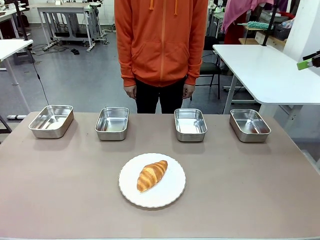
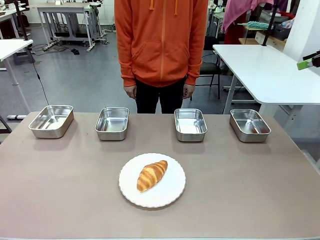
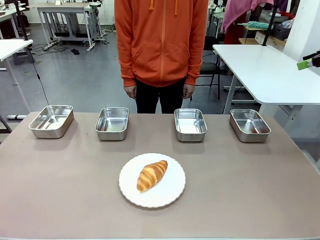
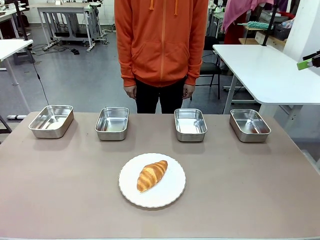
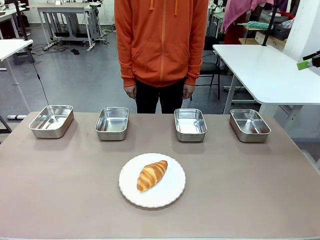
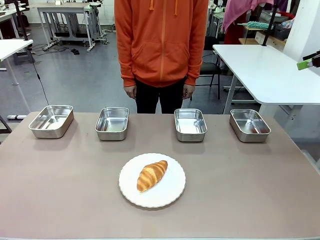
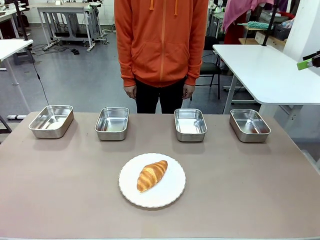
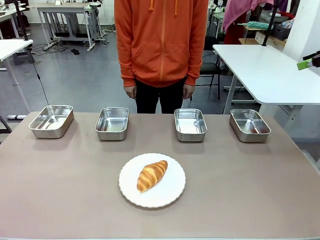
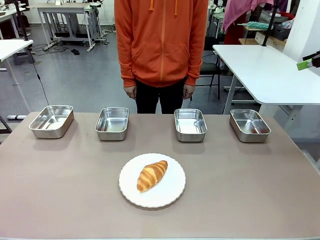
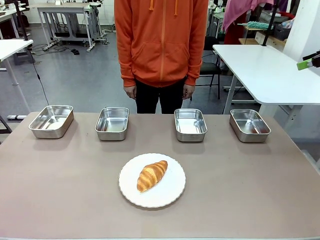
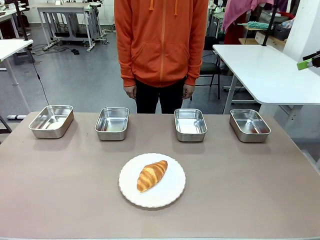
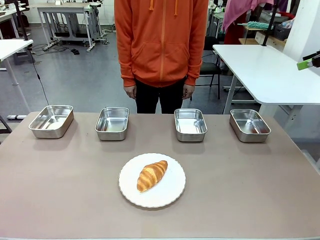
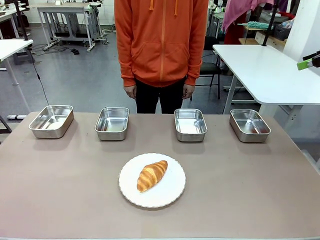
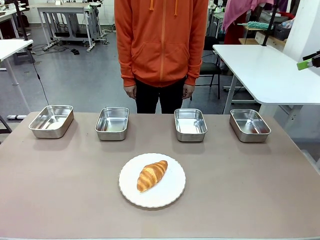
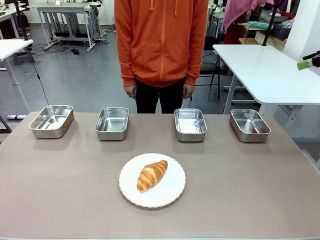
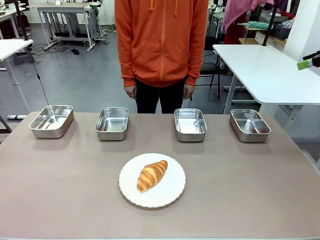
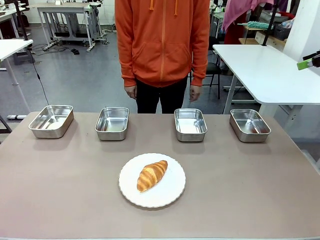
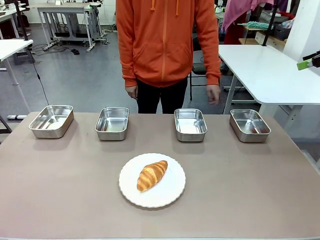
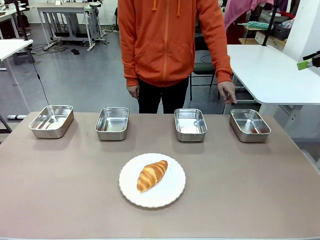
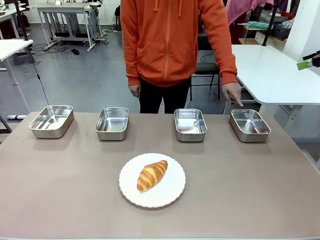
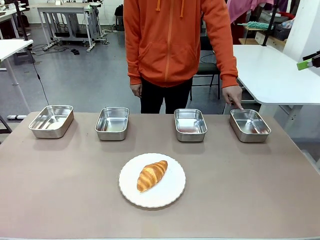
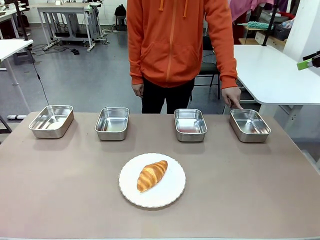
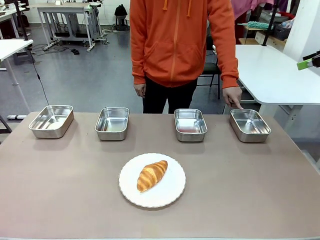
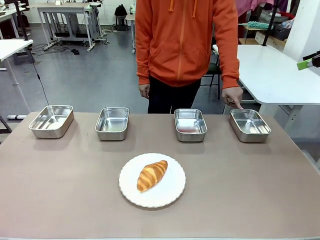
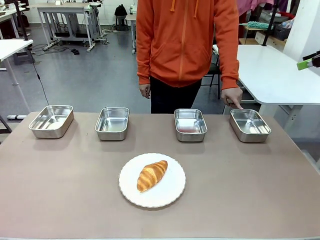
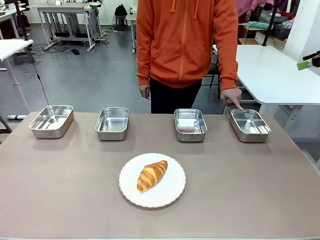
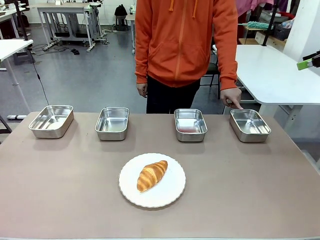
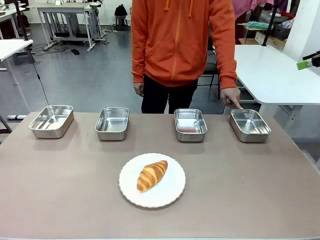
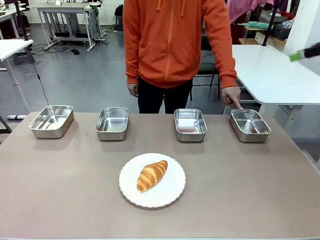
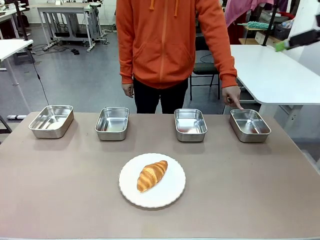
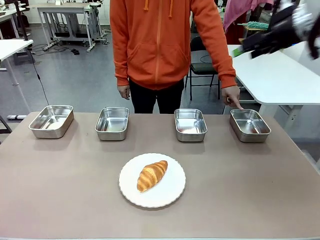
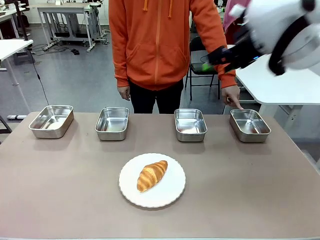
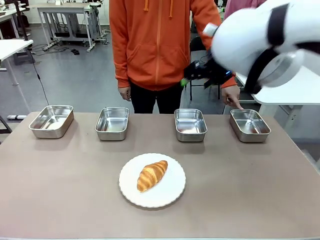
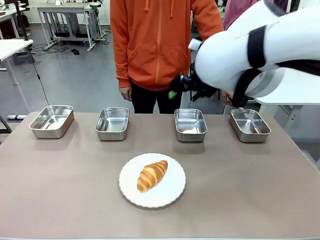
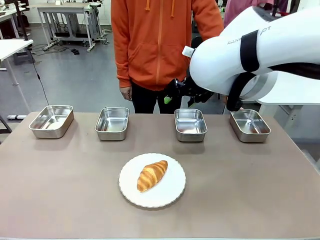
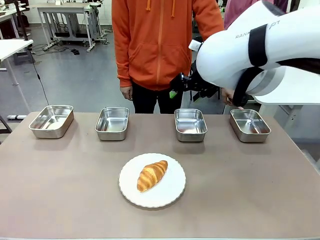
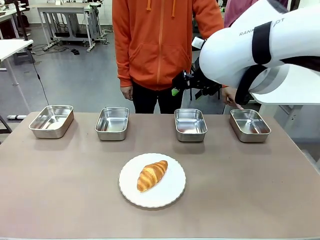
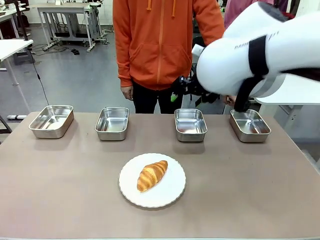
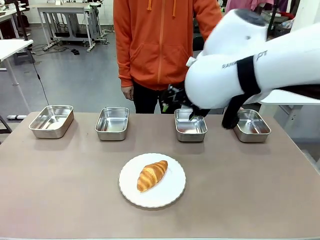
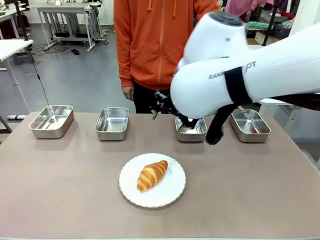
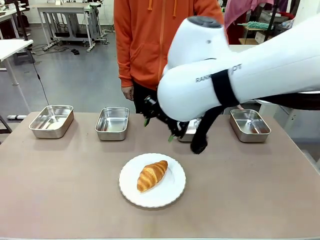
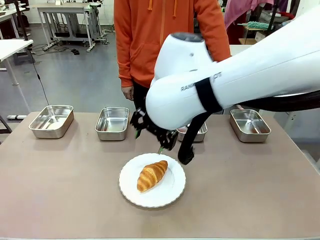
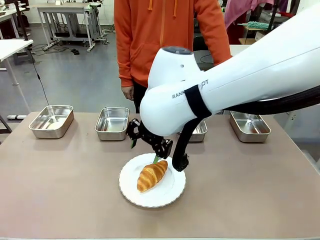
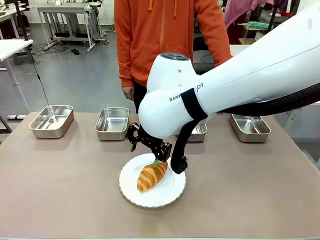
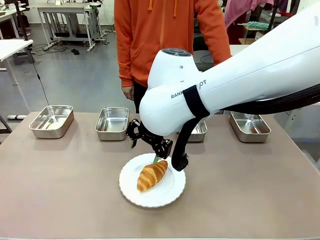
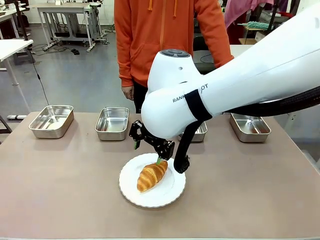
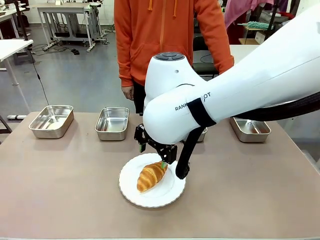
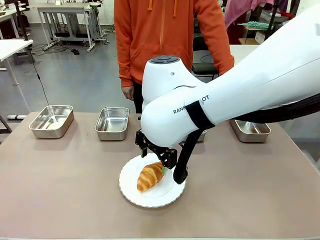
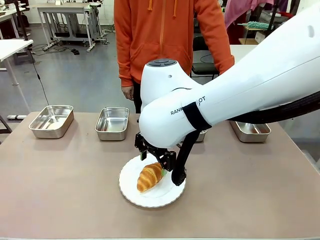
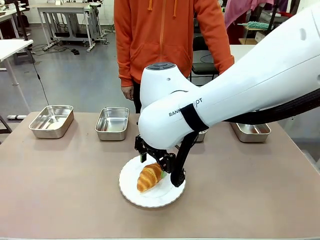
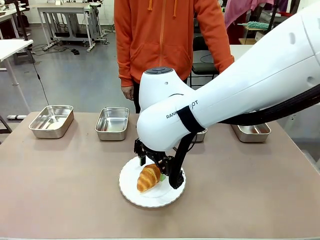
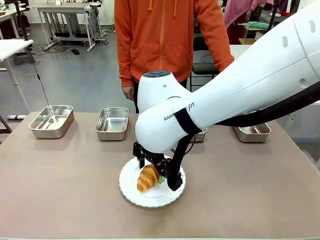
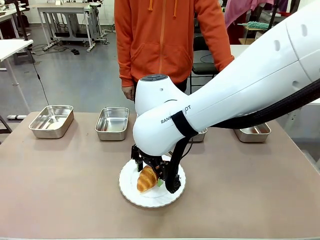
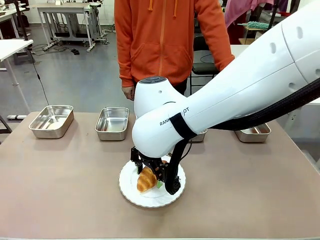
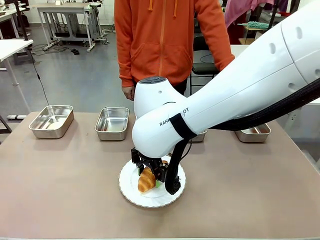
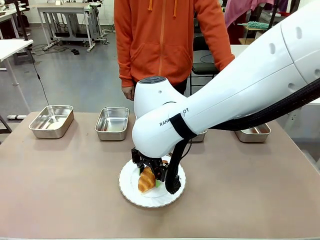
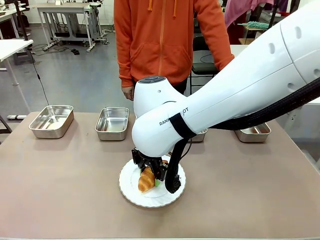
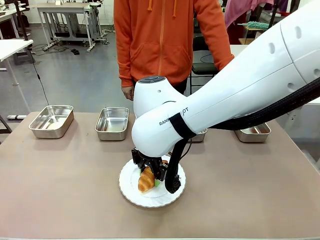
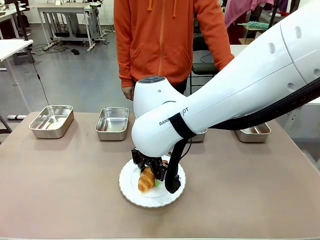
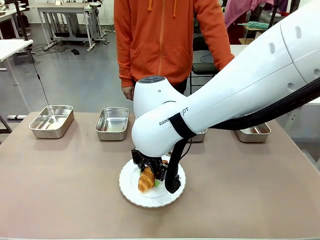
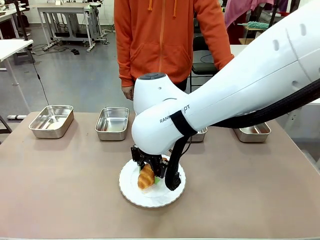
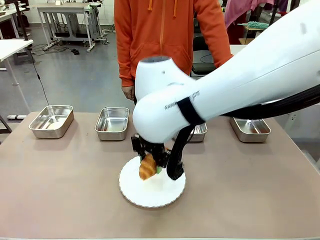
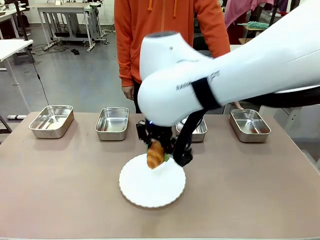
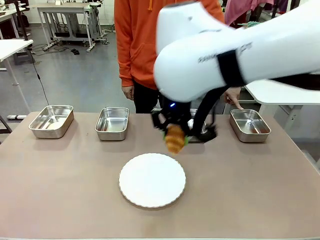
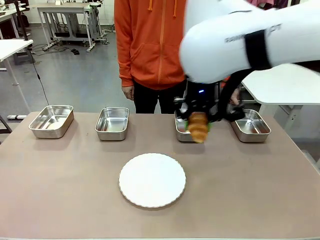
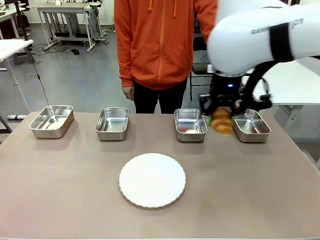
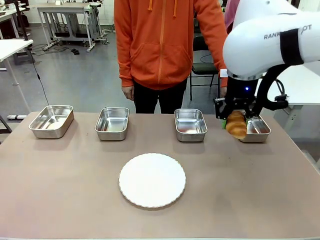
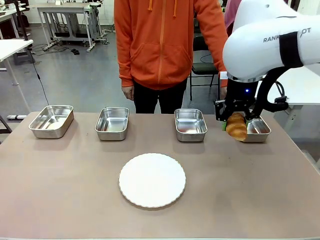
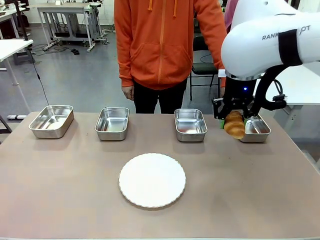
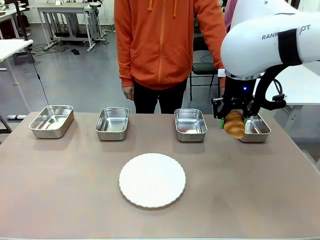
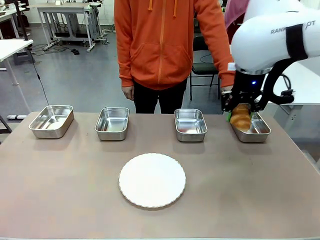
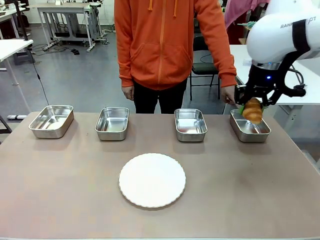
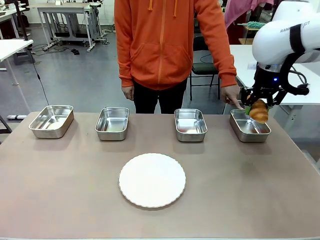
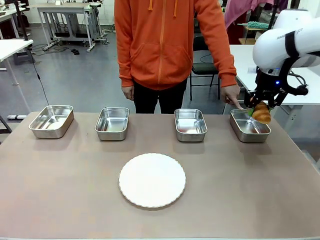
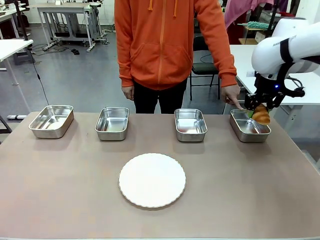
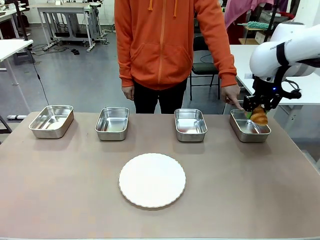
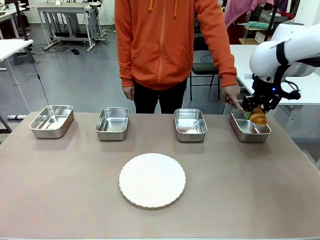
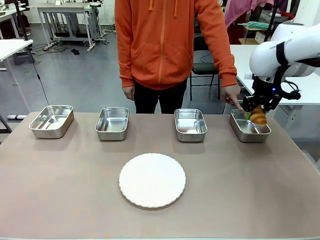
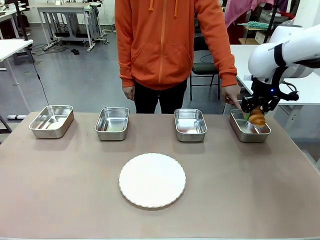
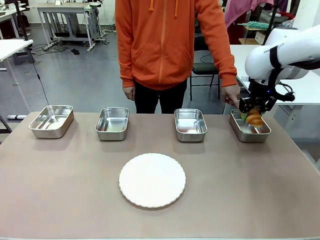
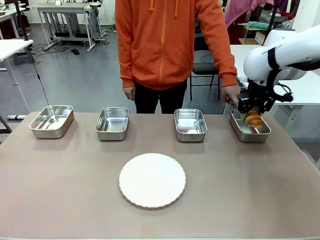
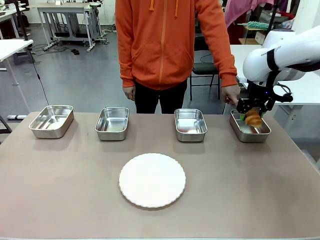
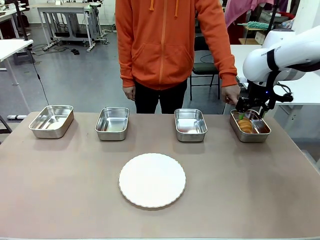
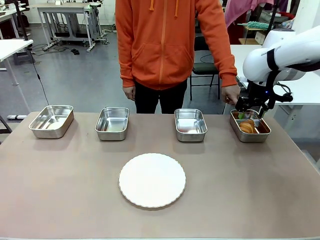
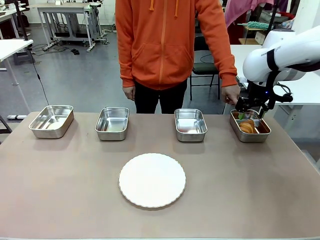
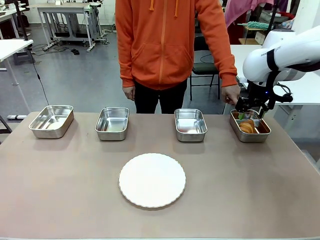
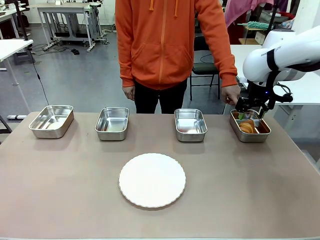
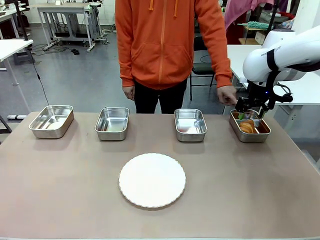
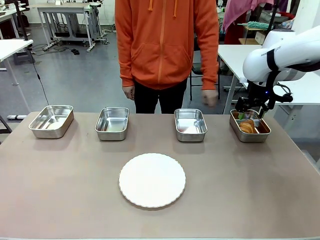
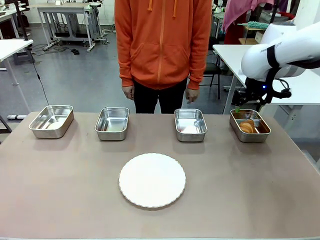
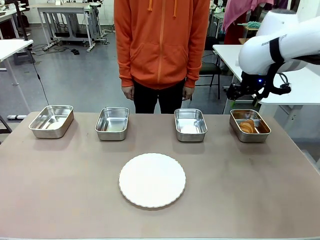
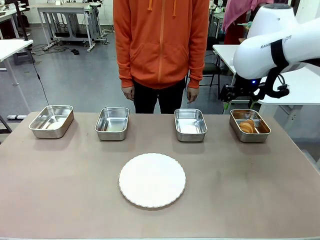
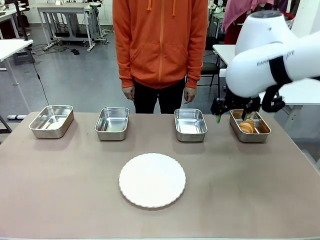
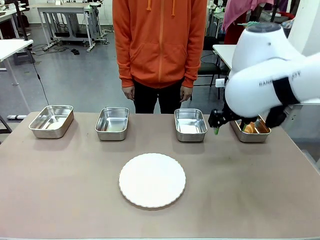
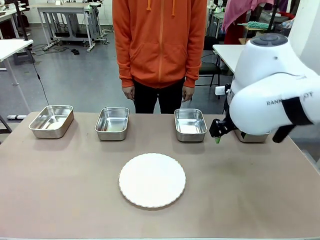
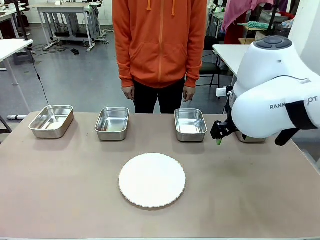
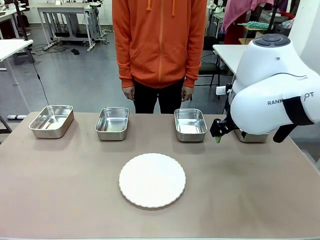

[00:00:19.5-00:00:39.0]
Task: Place the bread in the container.
Robot: Place the Butter Roll into the Airtight Container indicated by the human.
